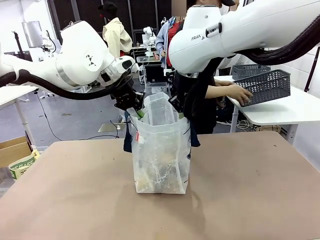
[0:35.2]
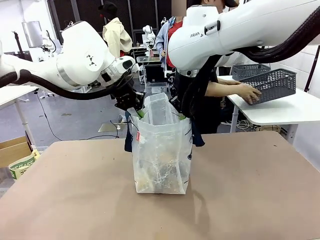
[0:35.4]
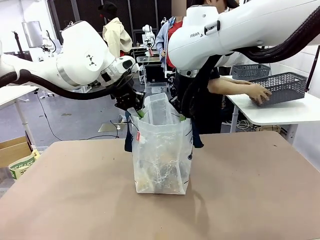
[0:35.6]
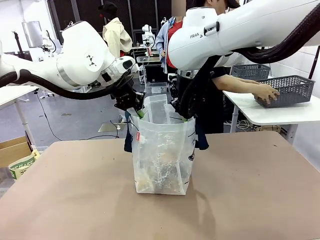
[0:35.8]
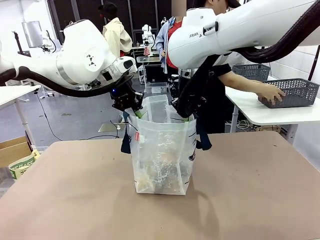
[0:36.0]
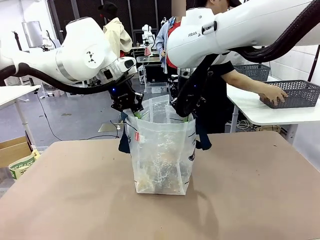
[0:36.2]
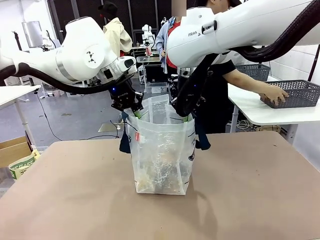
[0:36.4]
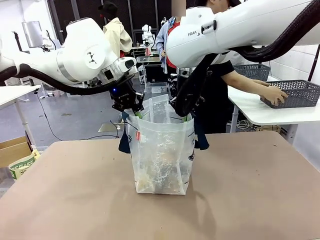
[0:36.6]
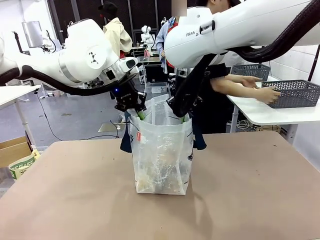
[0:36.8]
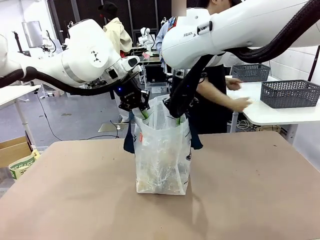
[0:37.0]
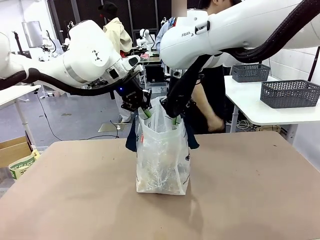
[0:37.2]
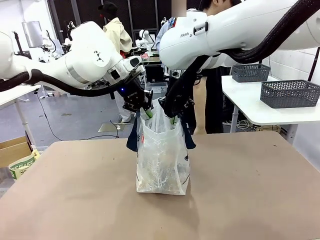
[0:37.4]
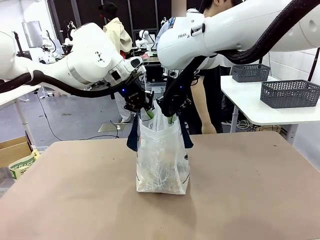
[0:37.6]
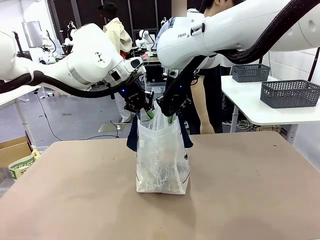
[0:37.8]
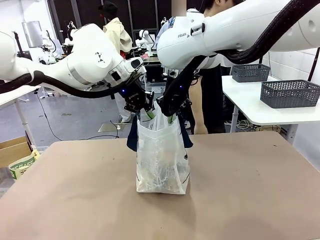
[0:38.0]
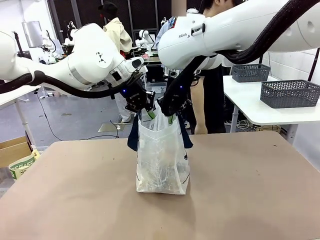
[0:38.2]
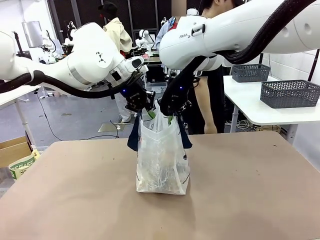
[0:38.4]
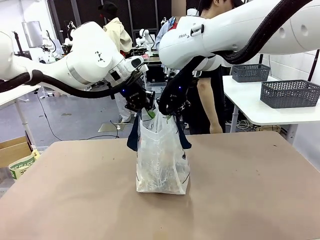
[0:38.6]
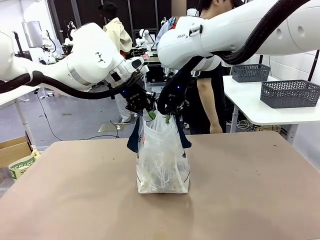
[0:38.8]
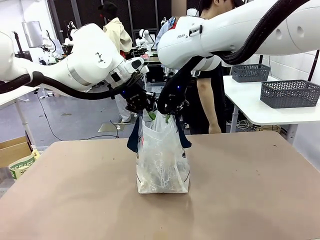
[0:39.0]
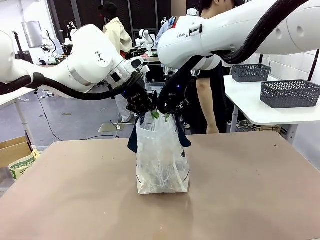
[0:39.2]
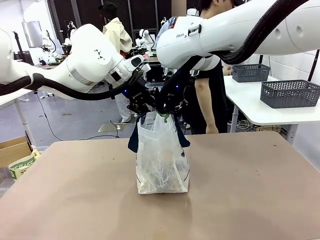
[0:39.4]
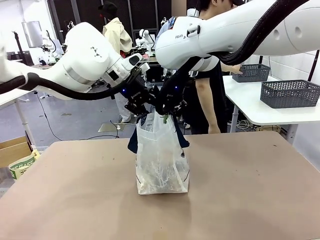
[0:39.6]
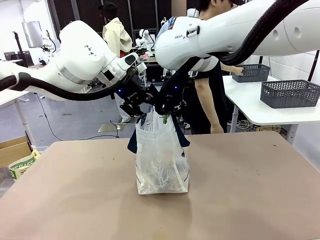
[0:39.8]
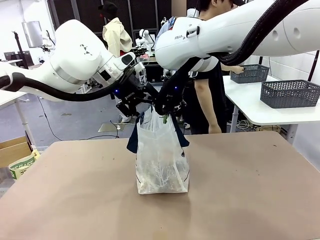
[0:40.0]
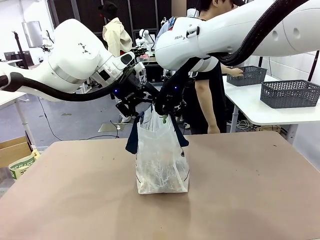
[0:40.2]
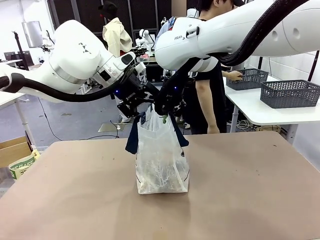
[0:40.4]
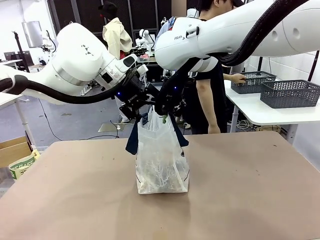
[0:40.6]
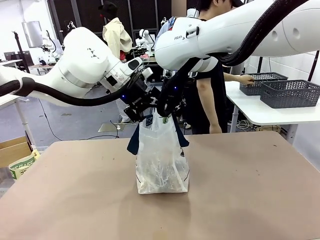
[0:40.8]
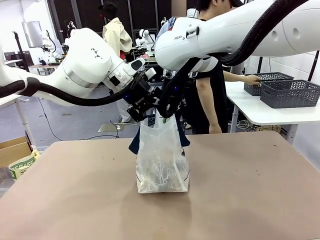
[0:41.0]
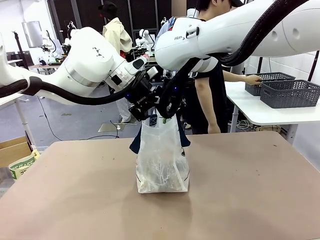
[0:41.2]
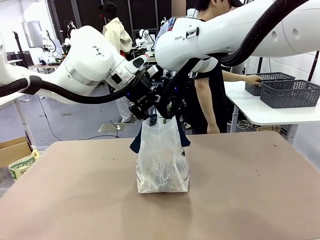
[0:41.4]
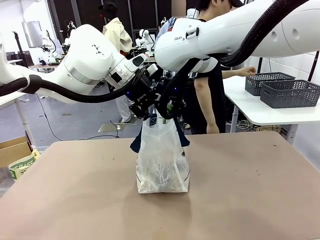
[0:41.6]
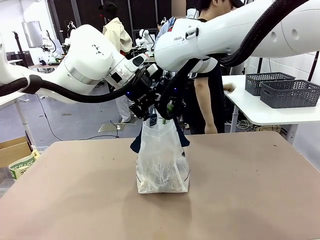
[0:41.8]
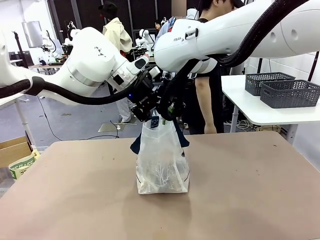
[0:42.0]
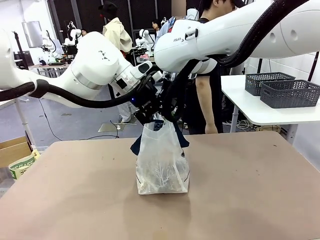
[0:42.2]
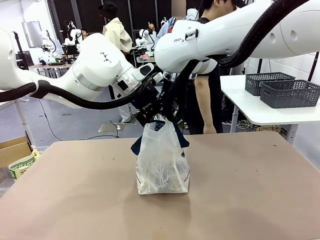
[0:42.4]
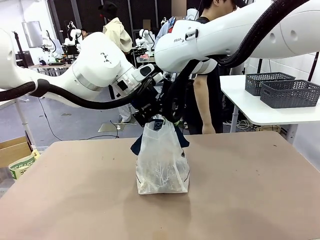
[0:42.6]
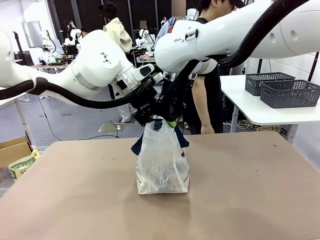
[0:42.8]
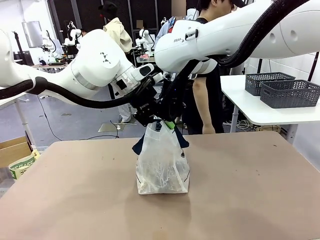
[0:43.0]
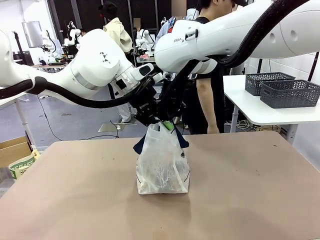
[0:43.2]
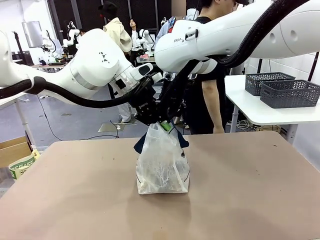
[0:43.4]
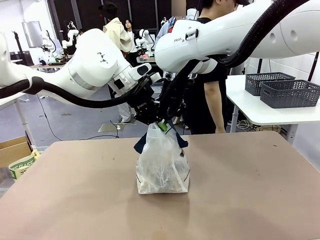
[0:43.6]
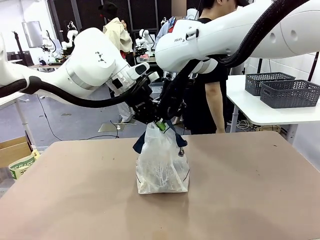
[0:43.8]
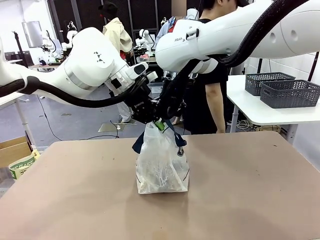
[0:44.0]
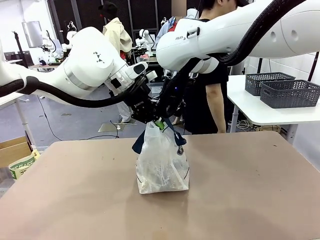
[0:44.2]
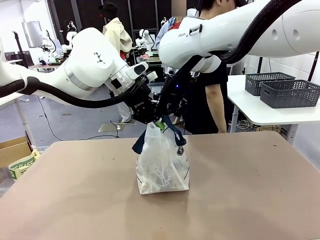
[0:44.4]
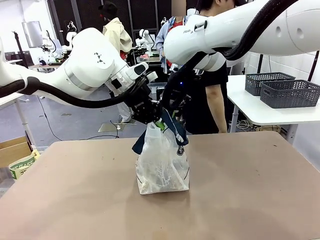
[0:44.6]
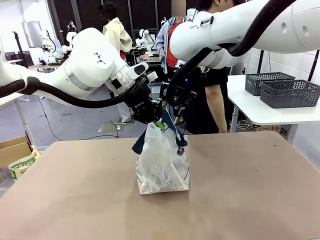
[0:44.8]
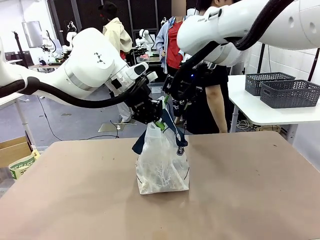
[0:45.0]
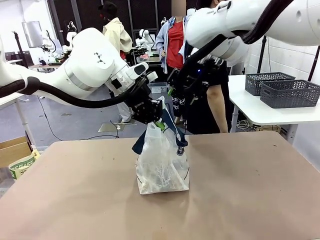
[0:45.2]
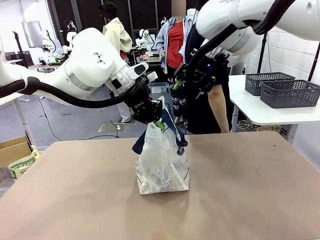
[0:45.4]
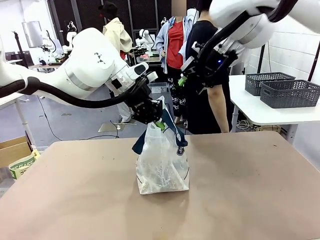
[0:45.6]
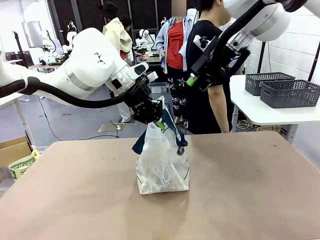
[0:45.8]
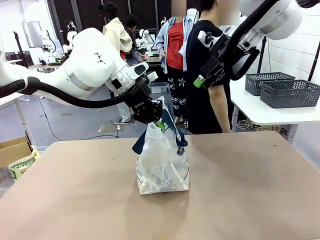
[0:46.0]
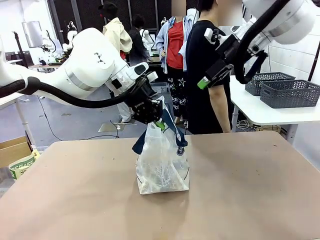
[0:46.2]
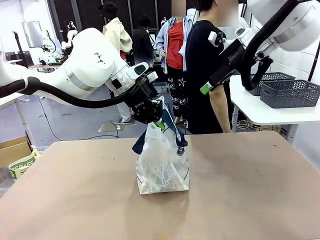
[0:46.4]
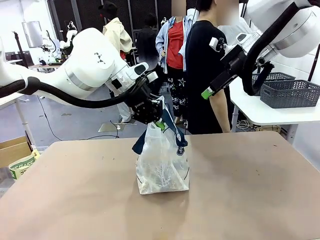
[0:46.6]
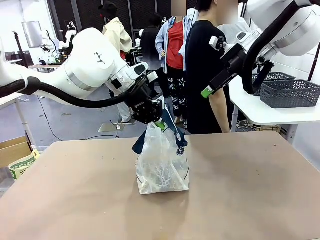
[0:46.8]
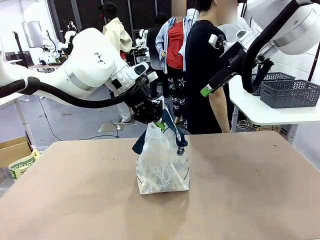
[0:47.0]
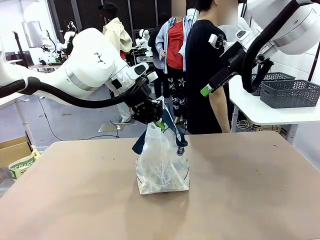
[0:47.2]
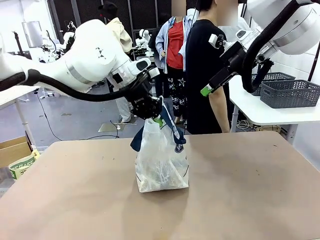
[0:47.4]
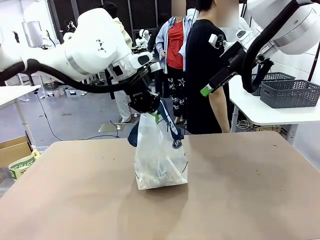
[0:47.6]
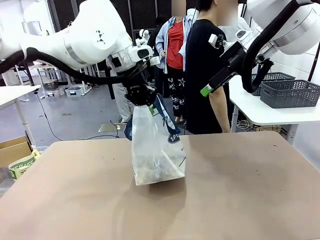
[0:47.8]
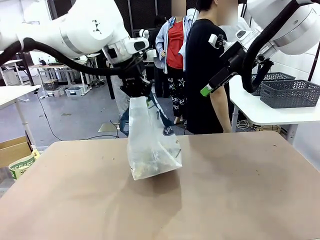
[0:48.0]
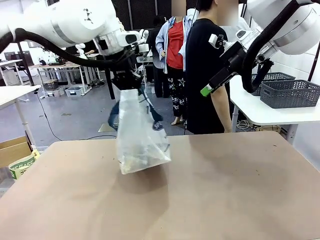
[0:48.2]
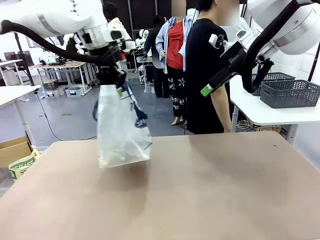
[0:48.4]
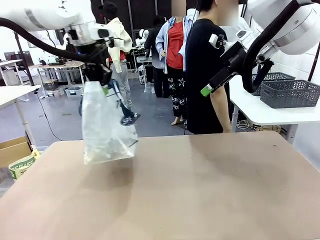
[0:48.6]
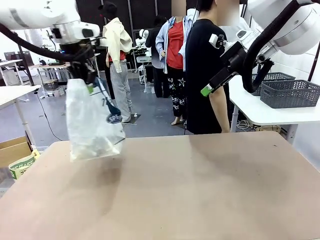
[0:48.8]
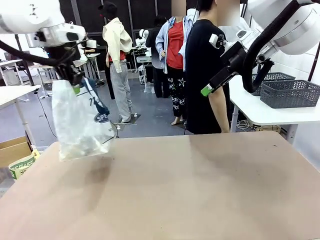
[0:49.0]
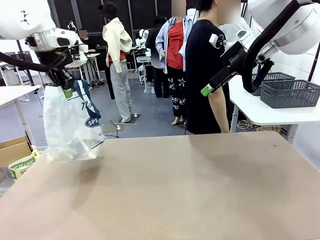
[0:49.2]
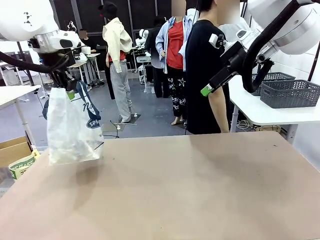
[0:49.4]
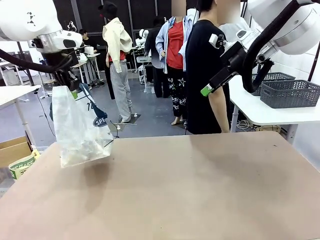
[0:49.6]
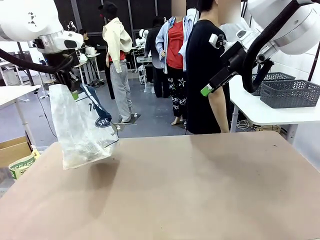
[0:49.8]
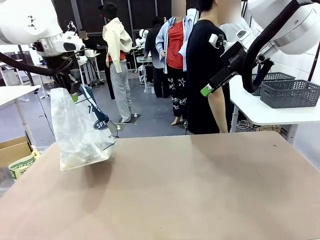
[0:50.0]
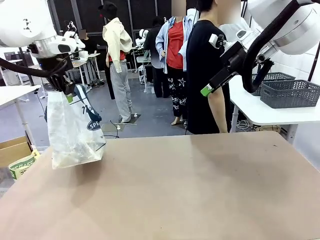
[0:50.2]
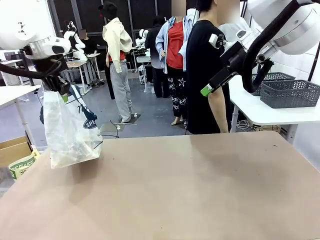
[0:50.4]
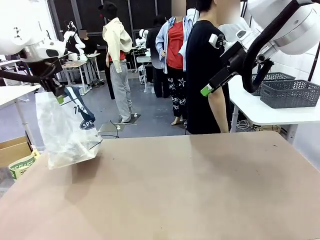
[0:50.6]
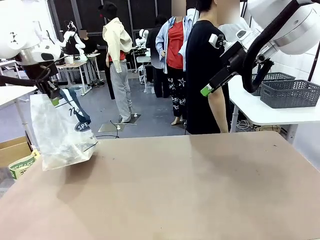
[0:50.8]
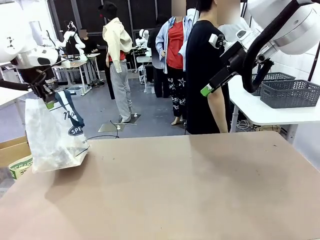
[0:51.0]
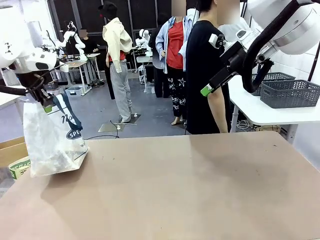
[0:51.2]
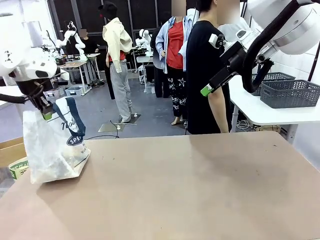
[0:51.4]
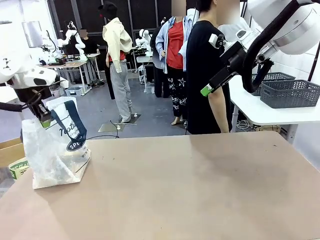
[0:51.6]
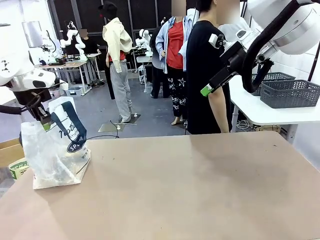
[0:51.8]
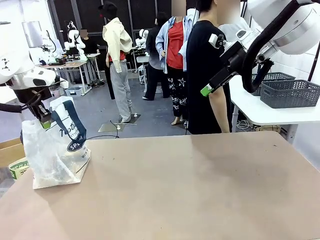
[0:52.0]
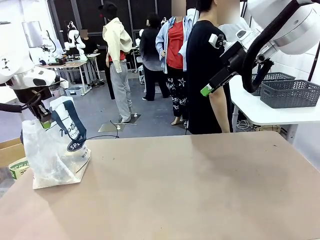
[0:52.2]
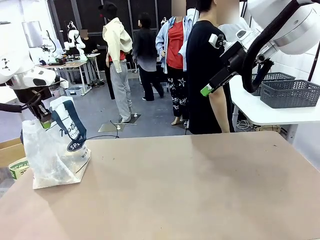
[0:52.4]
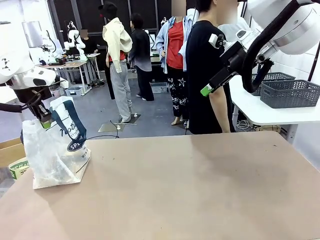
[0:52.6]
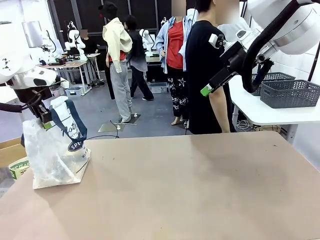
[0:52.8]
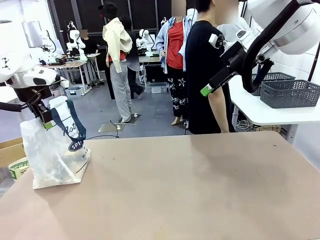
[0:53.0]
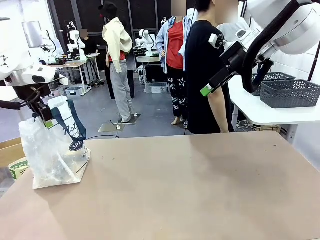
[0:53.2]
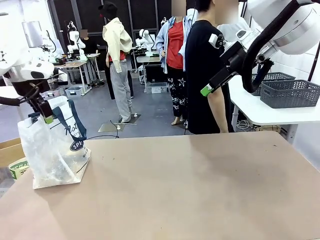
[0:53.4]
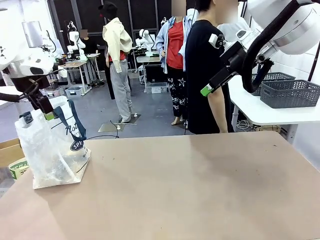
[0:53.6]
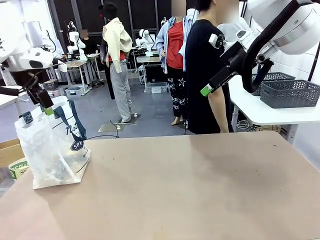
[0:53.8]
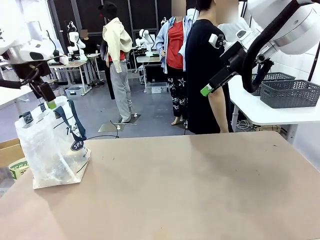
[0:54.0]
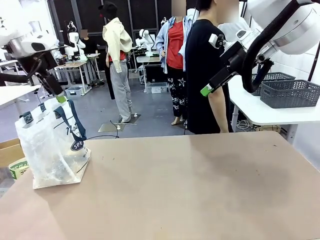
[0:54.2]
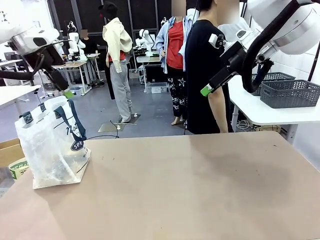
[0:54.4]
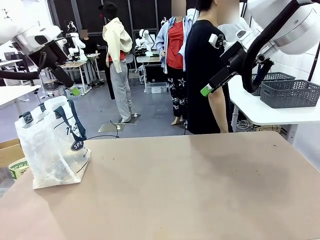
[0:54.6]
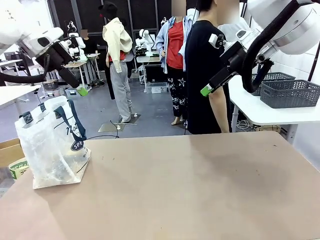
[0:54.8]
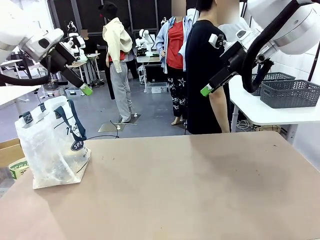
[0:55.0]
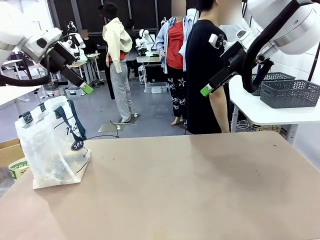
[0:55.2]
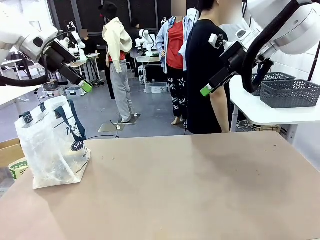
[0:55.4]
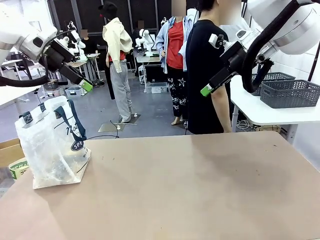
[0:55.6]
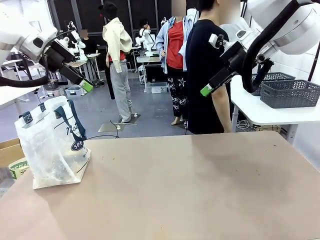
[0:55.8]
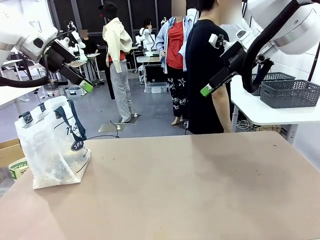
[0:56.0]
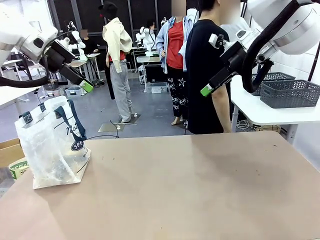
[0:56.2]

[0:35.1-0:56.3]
Task: Transfer purchased items from the store into the shopping bag.
Robot: Move the Reusable shopping bag to the right side of the table.
Person: Pick up the basket with the items out and place it on the right side of the human table. Move the basket on the left to the middle of the person's table.
